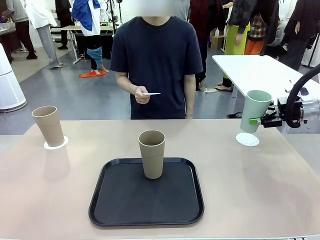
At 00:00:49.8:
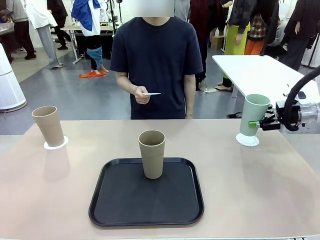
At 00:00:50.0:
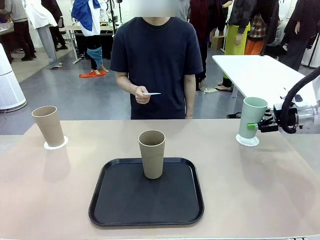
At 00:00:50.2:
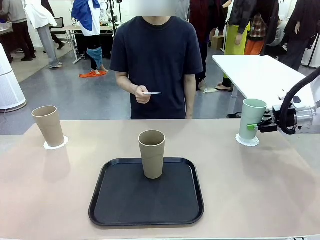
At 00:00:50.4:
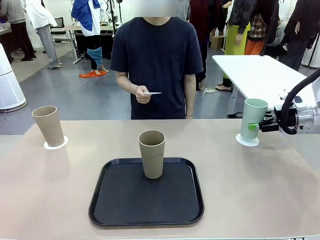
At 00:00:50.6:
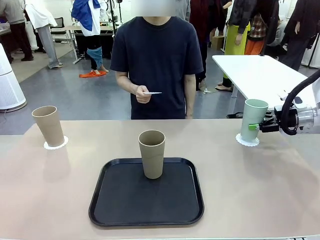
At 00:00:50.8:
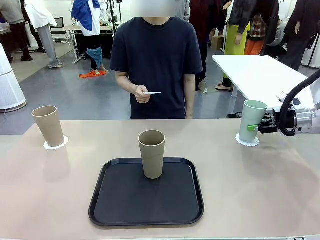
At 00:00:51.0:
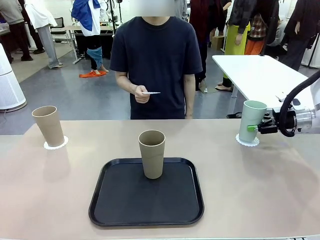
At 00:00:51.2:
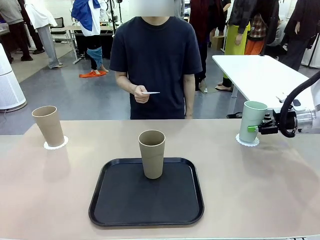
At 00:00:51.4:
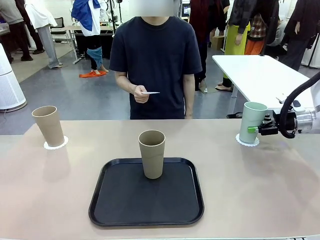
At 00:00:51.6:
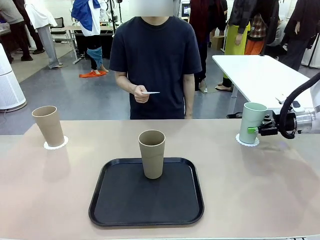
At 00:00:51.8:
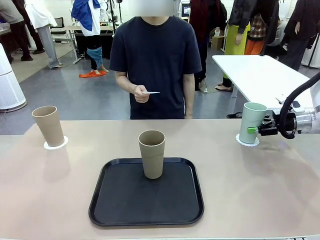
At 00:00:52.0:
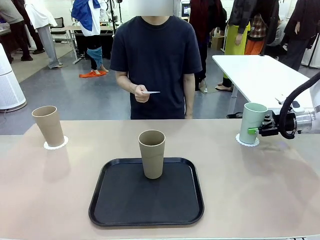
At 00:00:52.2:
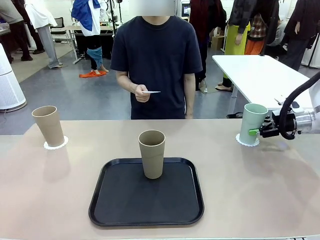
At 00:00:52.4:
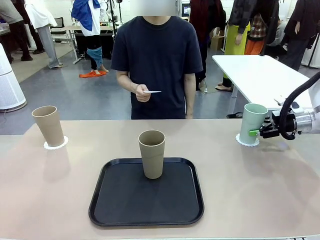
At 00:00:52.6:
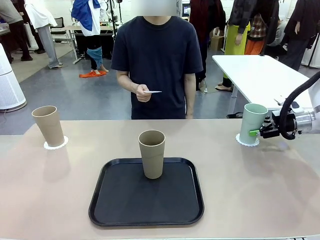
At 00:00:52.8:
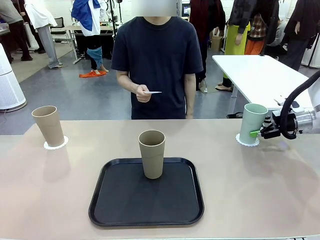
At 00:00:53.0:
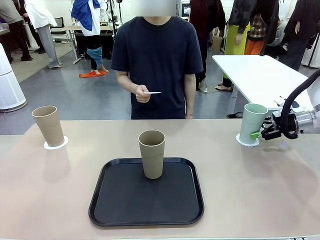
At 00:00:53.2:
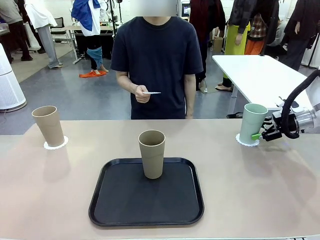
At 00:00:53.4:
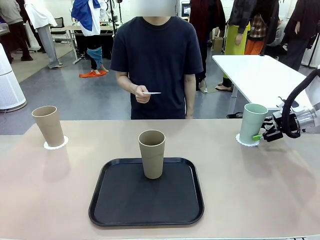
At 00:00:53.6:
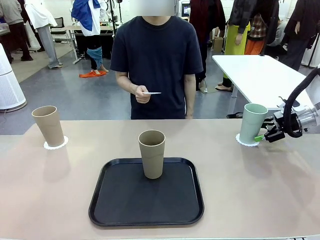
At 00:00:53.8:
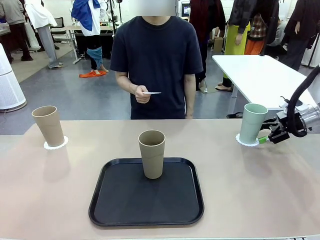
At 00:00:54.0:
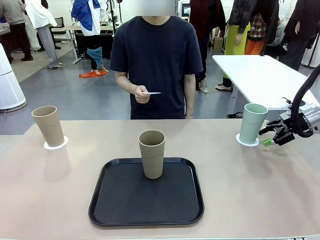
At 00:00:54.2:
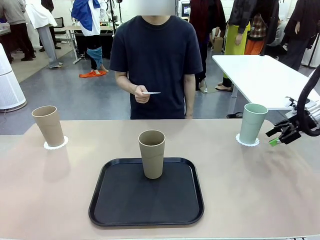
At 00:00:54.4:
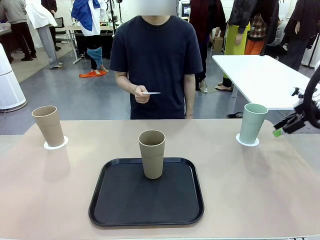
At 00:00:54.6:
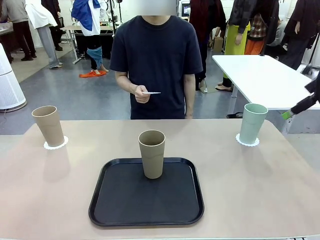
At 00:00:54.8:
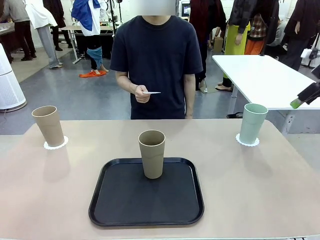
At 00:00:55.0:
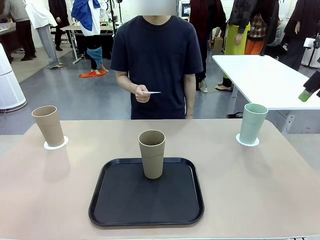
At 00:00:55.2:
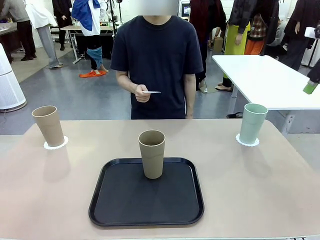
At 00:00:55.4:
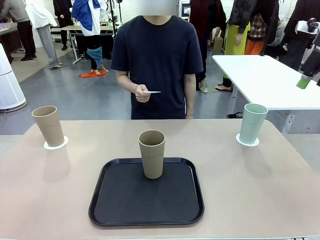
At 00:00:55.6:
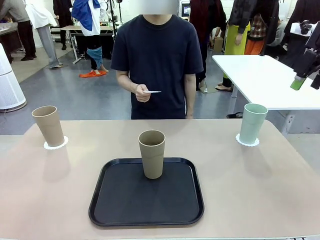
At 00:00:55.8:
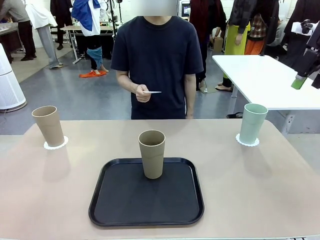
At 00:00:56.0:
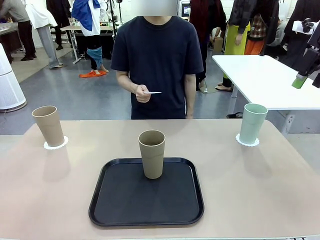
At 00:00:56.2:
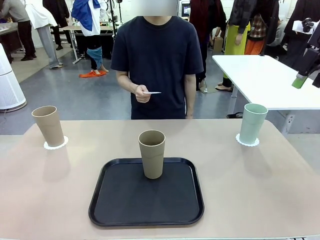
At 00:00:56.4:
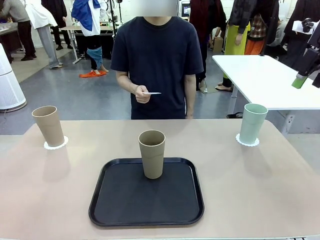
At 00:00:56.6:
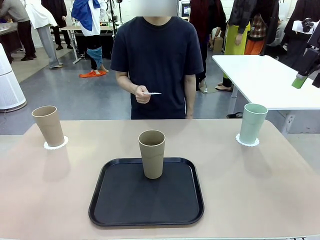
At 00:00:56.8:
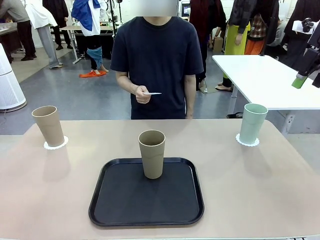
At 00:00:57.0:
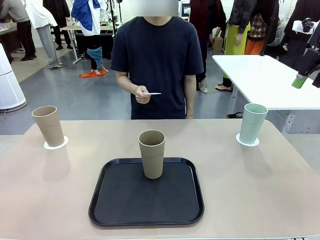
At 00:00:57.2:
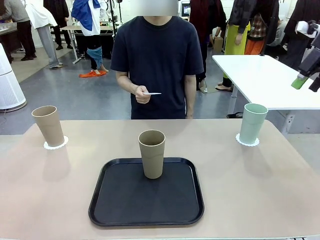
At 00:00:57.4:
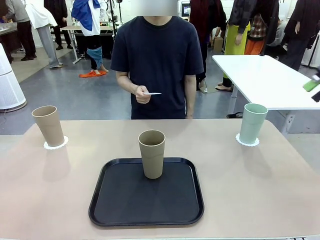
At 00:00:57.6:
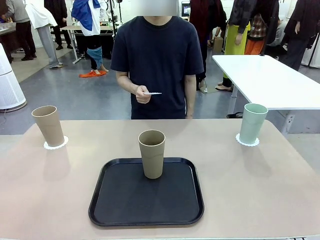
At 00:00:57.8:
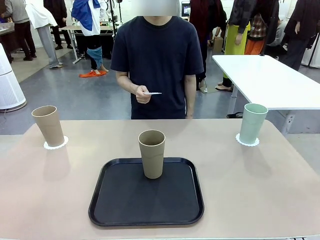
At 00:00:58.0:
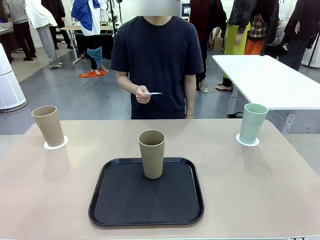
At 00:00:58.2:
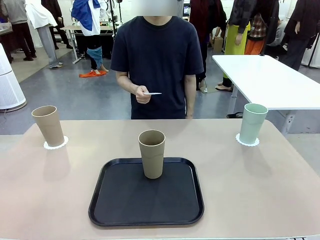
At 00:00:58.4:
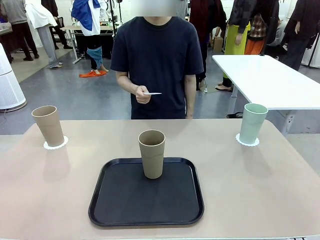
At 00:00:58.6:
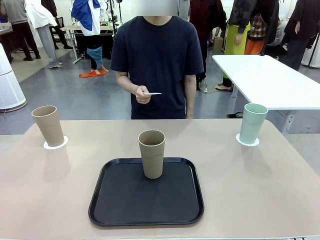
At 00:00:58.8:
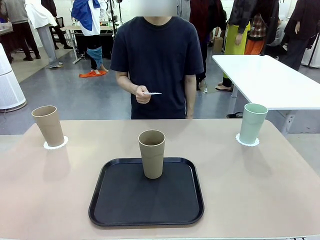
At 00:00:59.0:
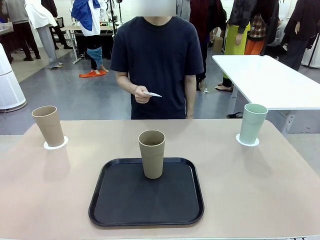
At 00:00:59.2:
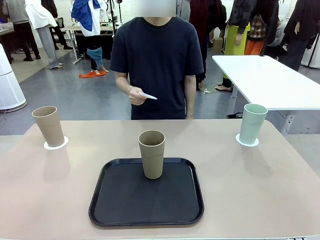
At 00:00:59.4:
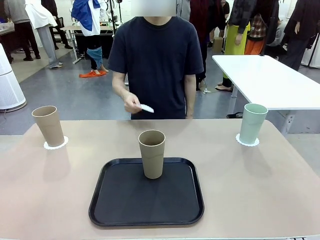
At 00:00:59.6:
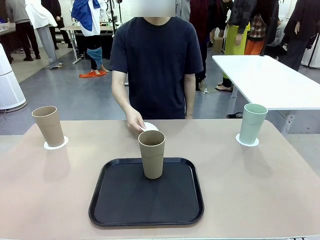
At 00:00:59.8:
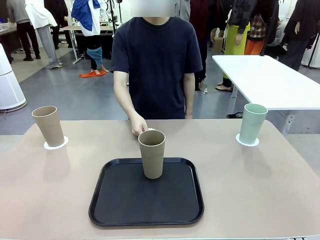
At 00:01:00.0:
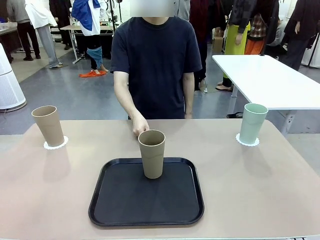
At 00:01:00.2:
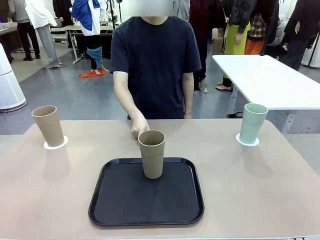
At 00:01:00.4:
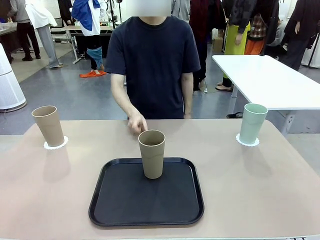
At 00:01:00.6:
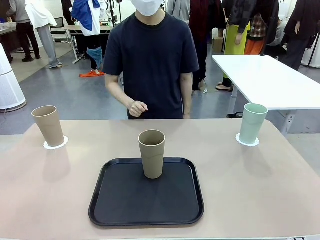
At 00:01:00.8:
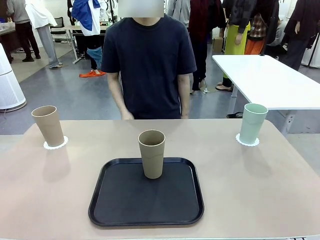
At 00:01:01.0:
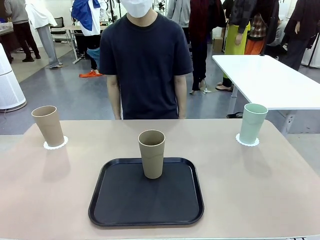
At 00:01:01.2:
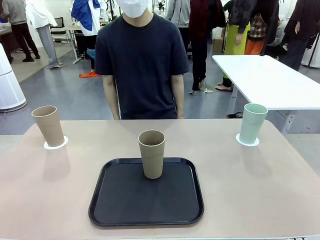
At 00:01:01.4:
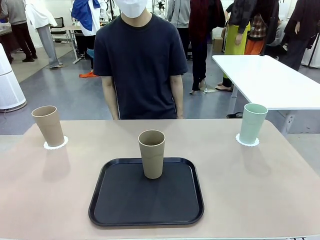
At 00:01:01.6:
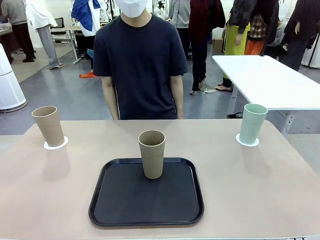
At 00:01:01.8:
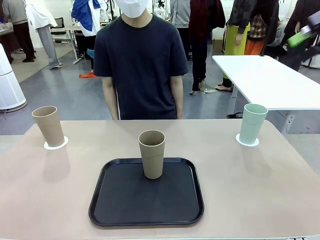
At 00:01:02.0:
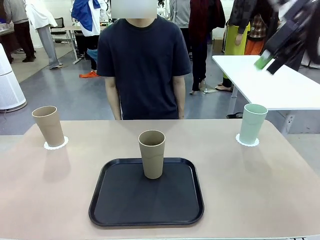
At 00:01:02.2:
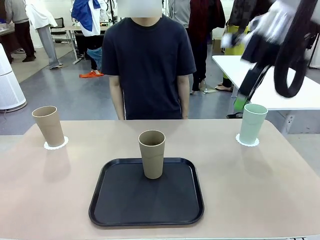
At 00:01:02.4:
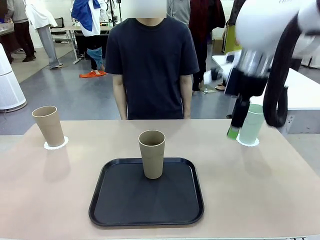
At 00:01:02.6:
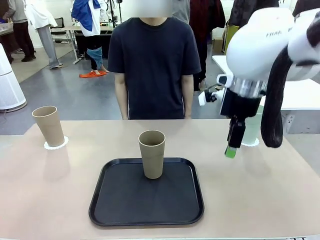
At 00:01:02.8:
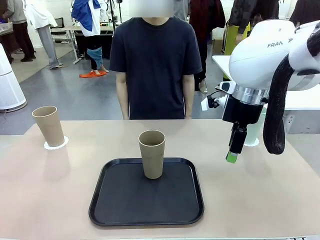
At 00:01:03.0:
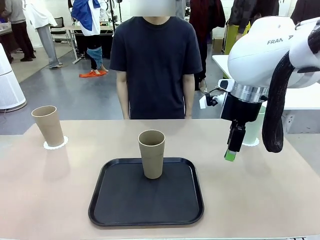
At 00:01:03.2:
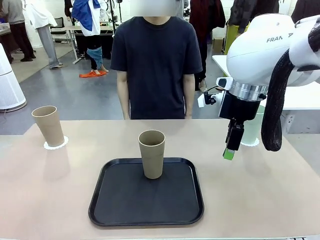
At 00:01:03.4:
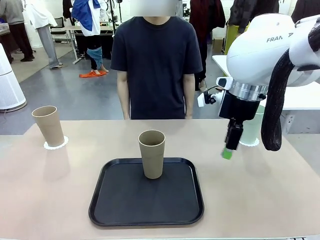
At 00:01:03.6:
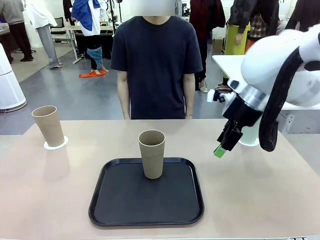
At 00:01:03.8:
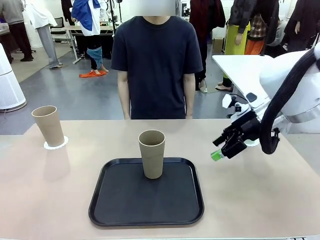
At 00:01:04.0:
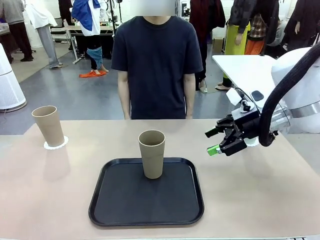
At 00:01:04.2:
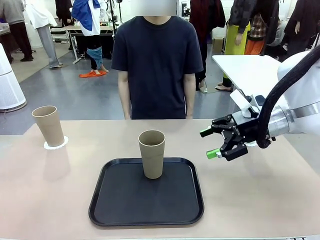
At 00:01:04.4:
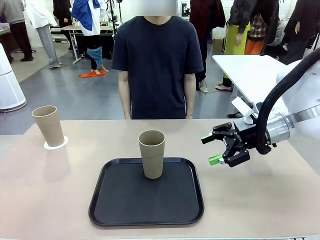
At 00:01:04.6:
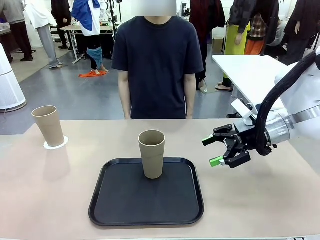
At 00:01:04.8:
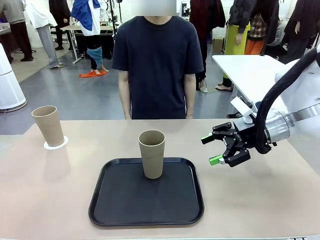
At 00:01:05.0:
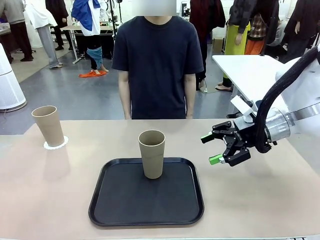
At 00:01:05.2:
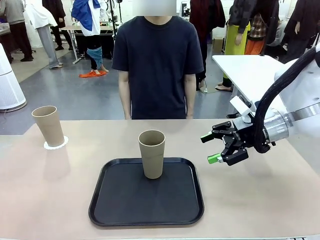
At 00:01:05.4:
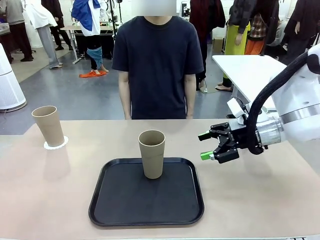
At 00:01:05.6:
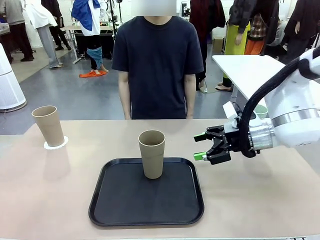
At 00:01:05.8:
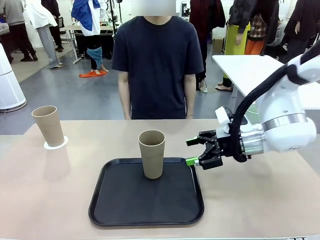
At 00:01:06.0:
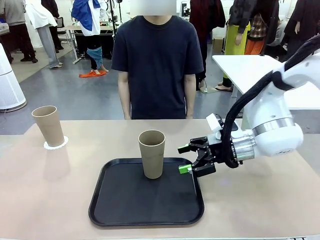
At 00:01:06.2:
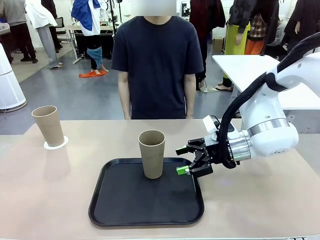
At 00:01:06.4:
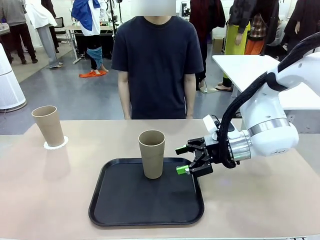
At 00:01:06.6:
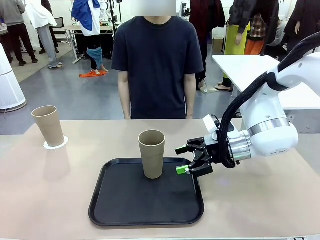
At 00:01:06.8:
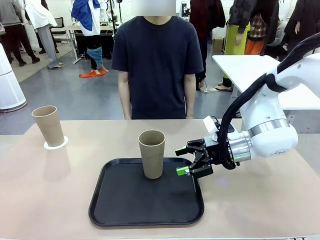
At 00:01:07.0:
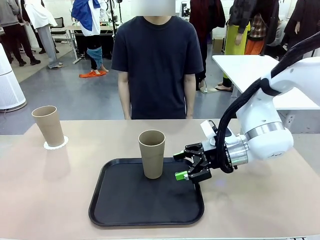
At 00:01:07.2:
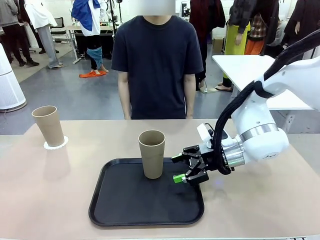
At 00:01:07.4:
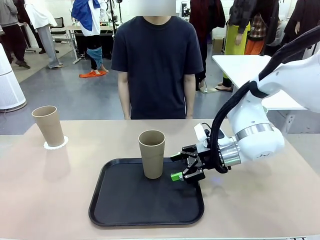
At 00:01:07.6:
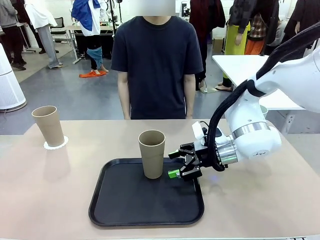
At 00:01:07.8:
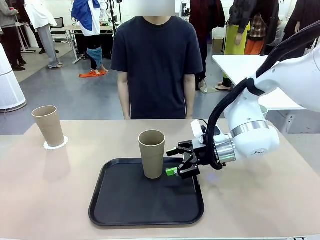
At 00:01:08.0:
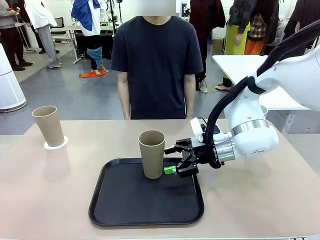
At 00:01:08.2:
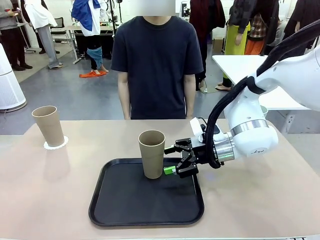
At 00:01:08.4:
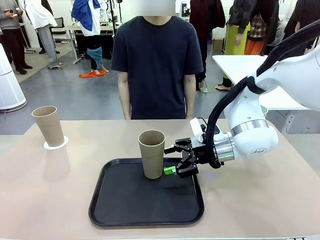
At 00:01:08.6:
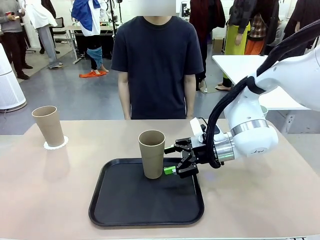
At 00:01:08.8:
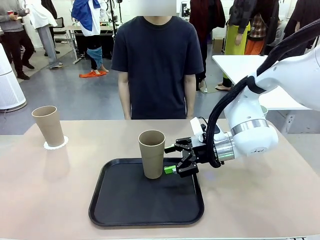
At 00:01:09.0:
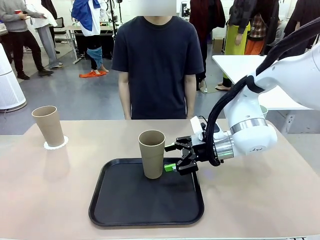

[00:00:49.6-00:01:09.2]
Task: Place coasters on the table and set cups on them.
Robot: Take one Reusable plastic cup from the Flat Tray and place it on a coaster set by the human.
